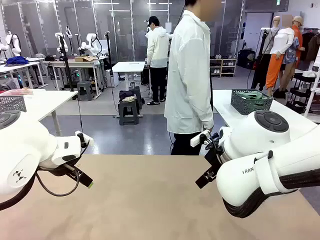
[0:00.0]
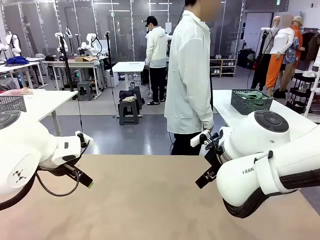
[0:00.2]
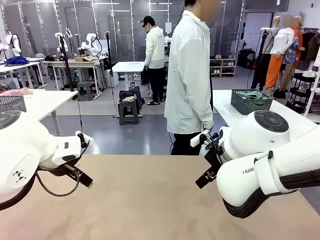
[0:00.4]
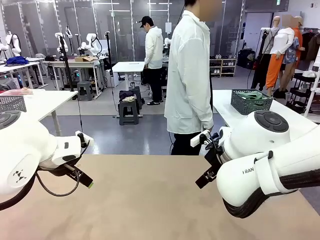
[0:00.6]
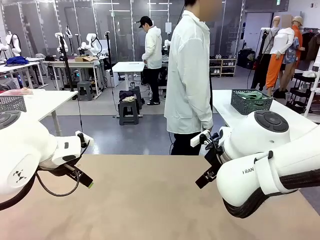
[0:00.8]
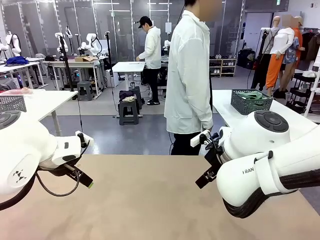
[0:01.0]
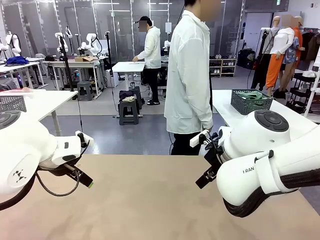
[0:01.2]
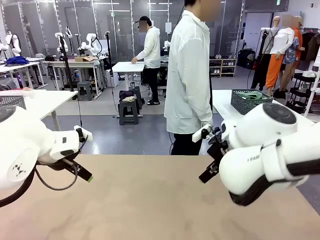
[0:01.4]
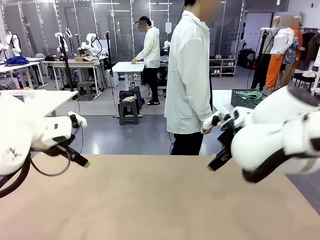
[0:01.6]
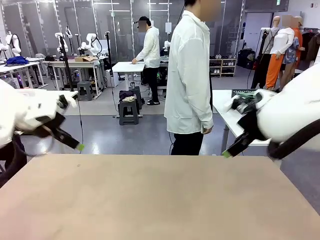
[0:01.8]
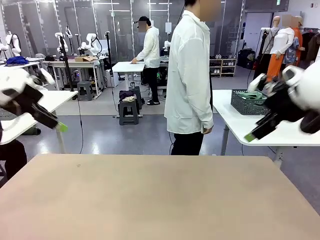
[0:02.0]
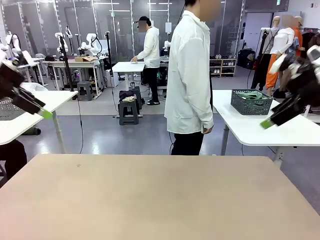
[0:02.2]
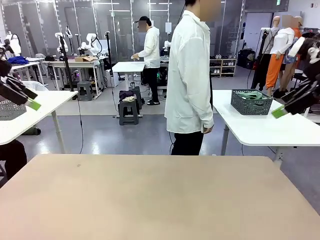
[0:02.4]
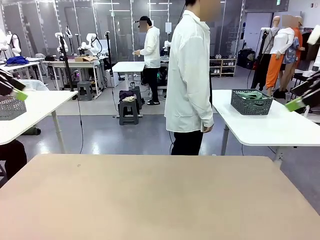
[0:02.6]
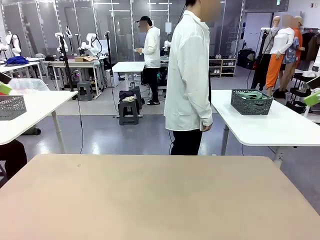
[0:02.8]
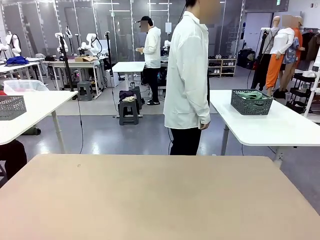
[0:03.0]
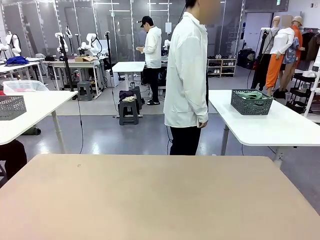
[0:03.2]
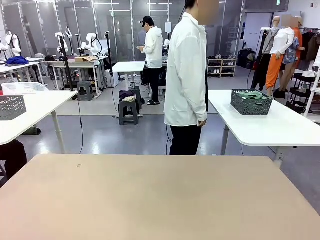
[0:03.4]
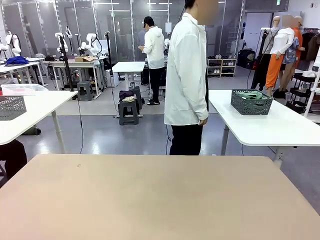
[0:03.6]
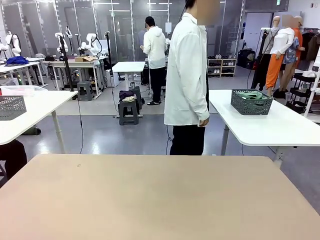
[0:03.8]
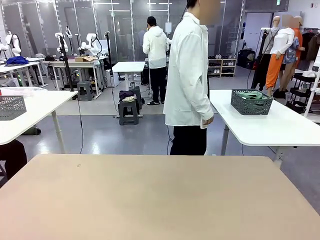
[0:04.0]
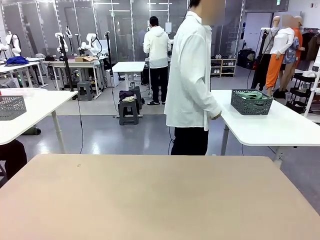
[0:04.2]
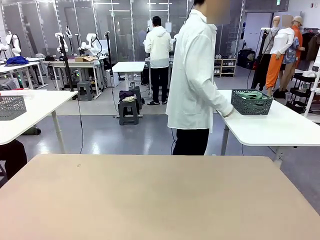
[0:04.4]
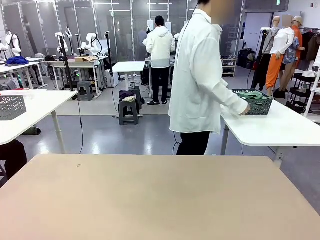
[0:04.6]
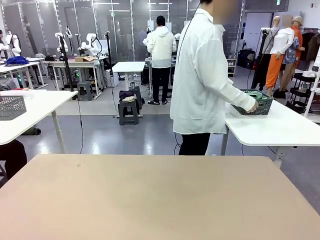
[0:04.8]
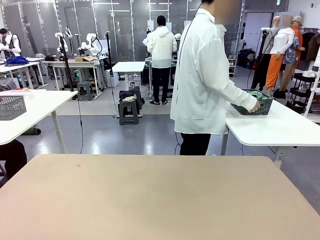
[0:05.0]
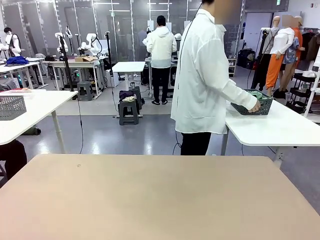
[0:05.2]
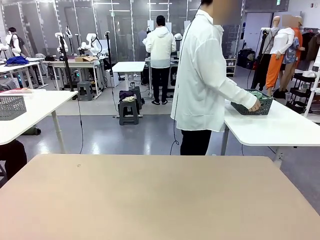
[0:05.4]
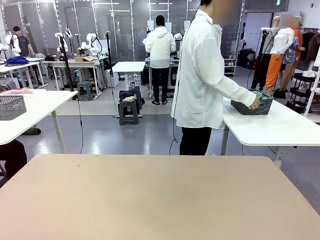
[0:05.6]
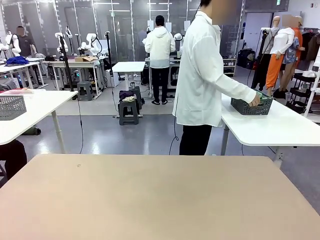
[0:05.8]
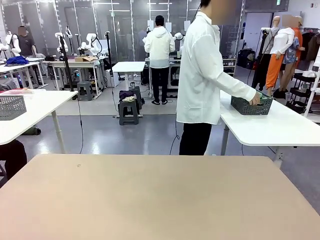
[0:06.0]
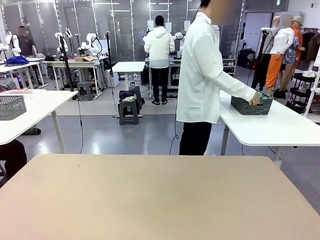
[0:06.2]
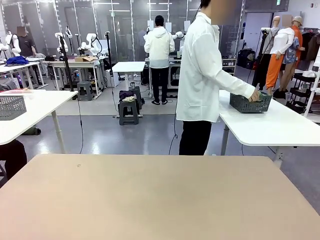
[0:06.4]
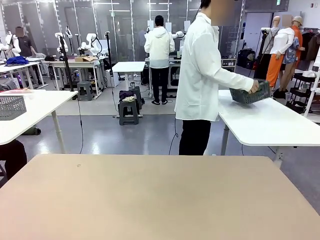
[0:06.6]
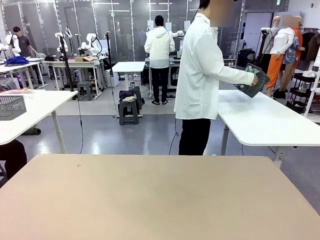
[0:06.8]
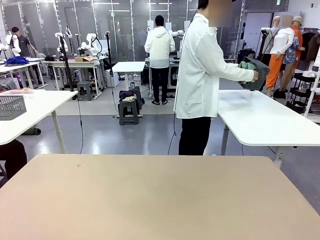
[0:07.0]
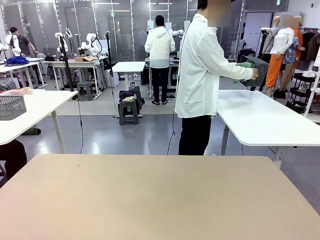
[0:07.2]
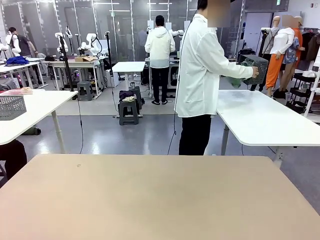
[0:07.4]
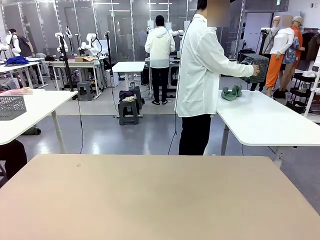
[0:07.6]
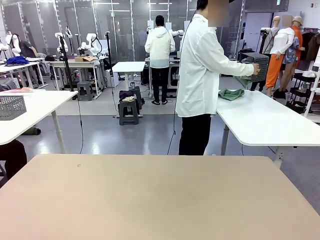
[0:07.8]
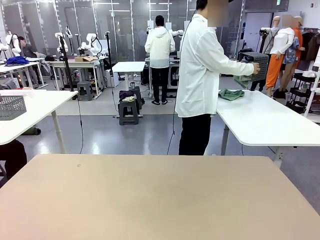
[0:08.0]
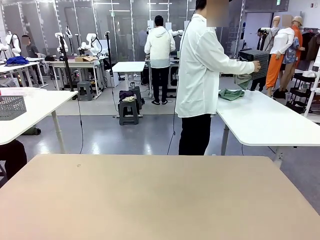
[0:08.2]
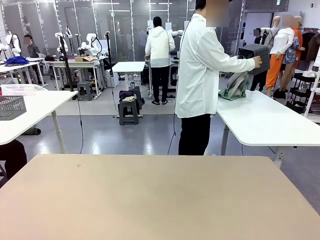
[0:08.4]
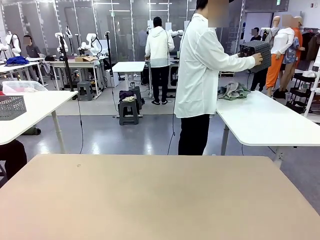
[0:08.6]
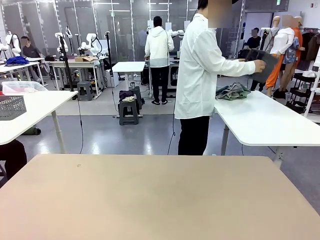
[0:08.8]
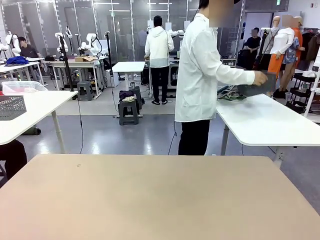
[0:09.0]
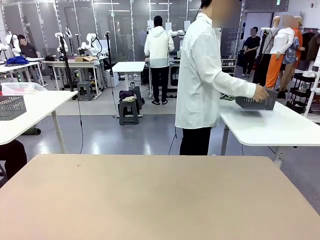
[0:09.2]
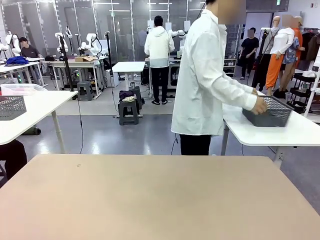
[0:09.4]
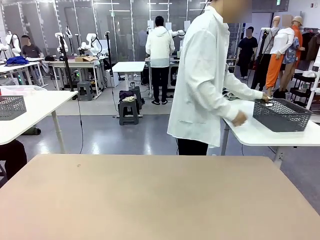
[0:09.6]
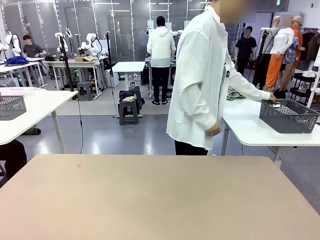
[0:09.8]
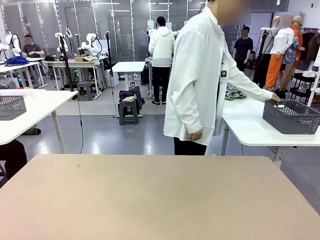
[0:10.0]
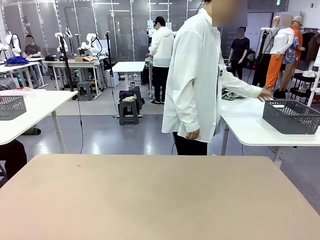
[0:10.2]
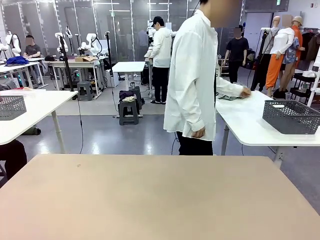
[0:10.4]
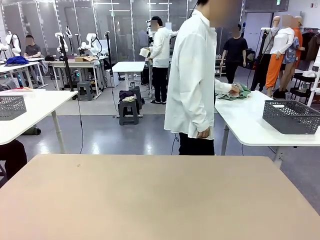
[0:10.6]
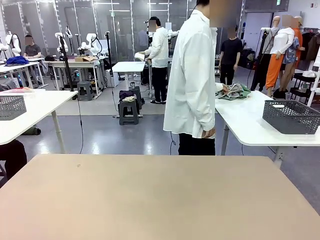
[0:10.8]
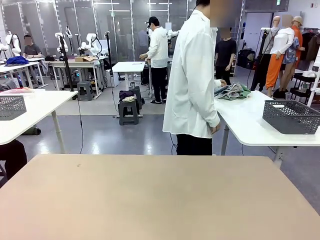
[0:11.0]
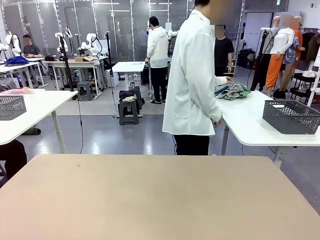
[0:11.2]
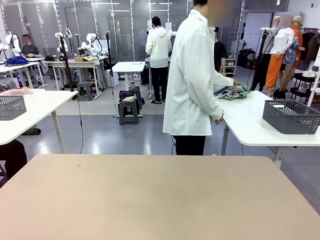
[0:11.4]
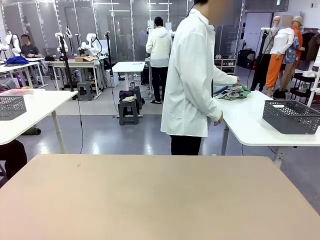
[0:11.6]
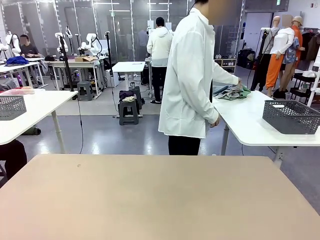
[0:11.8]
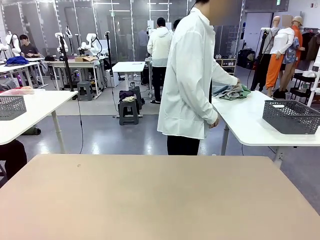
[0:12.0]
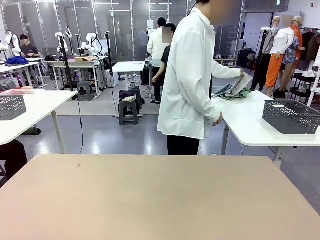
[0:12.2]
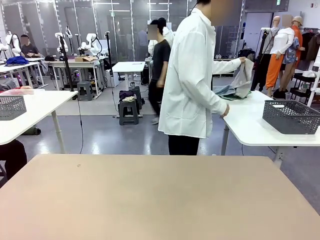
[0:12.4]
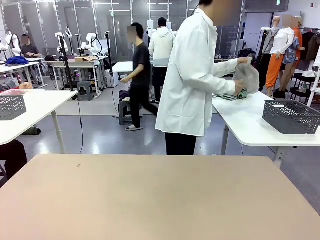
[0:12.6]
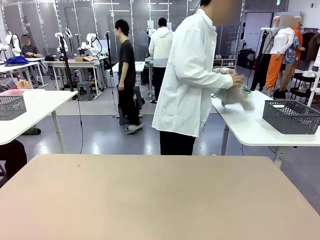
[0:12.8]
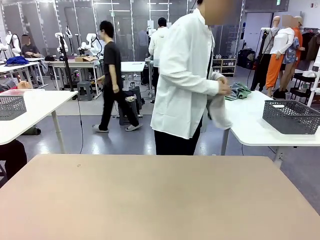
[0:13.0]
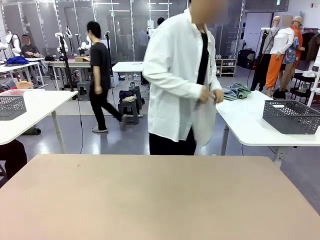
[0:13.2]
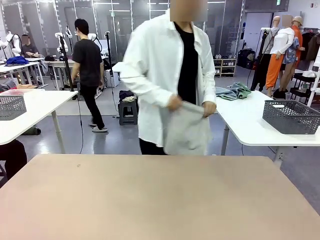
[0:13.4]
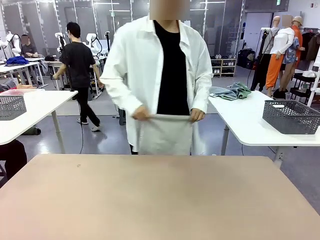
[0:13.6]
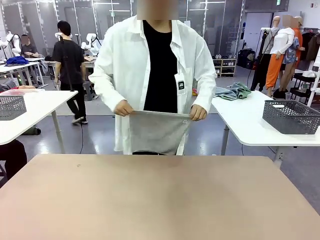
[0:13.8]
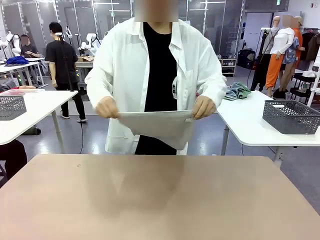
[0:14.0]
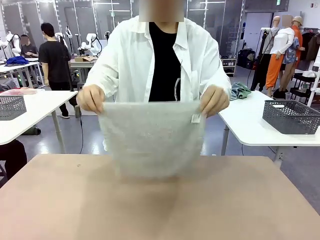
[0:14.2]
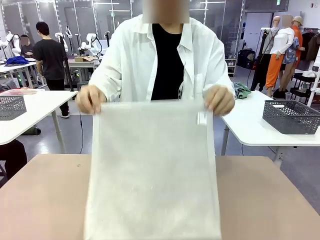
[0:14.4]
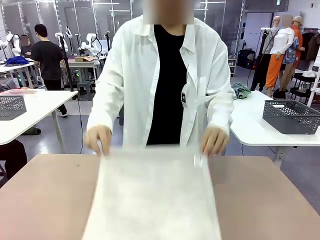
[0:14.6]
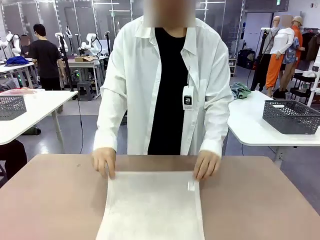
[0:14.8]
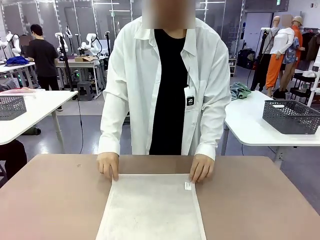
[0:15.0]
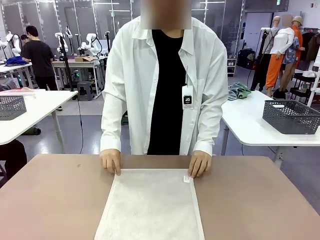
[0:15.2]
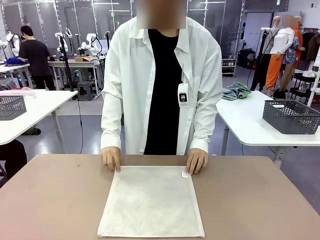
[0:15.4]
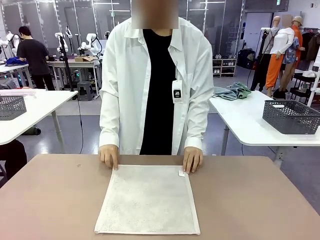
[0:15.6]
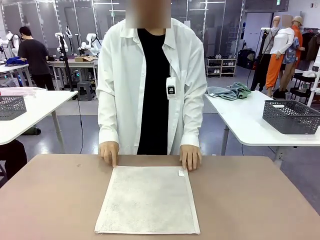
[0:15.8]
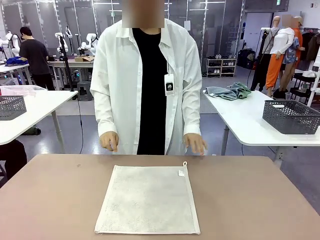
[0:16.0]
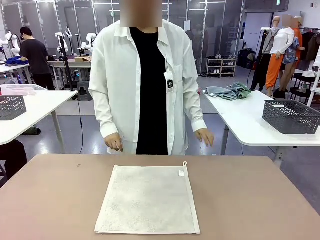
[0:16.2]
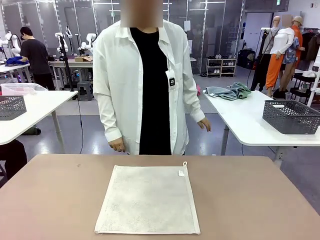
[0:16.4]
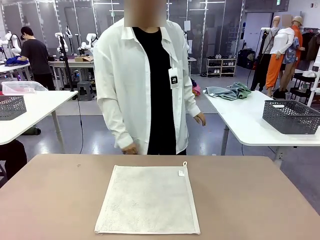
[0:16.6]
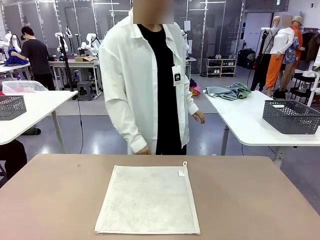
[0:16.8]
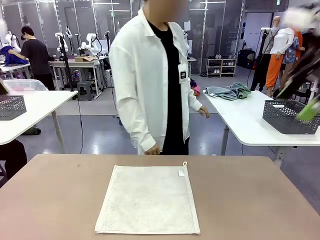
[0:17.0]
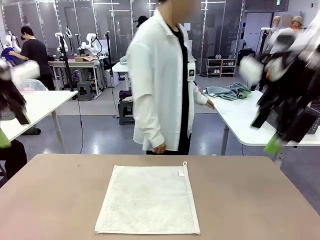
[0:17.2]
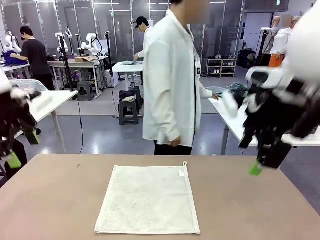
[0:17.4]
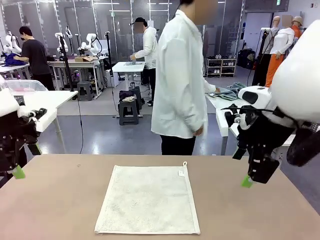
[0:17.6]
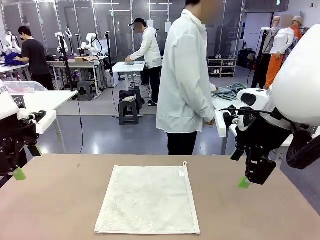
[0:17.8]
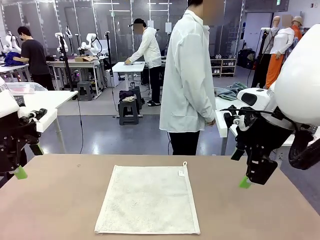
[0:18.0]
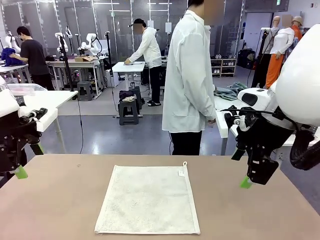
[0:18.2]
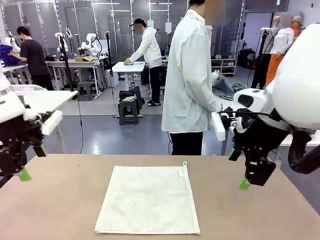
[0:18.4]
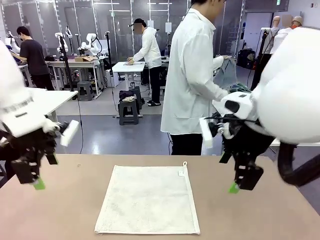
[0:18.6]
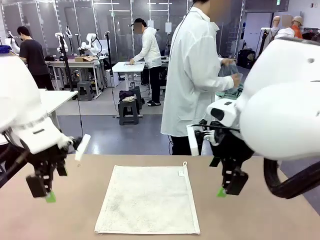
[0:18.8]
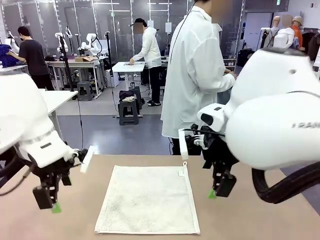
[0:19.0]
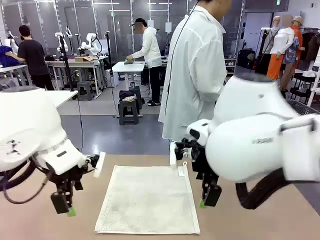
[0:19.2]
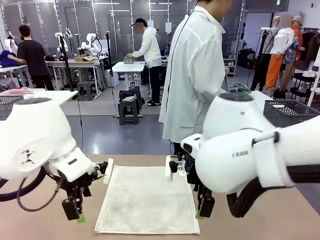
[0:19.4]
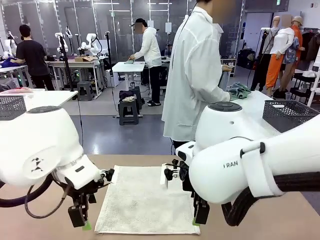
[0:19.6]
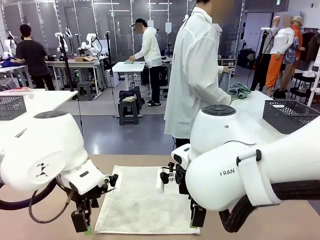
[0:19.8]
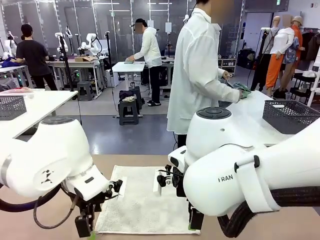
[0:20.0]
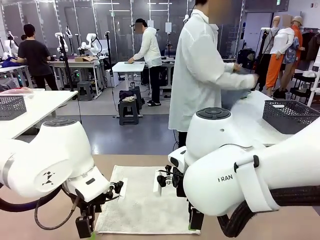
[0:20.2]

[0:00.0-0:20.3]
Task: Fold the towels and place them in the basket.
Robot: When a person lays out a Towel with hook on the table, fold it in half twice.
Person: Pick up the basket, pour the towels onto the left side of the human table, and place the basket on the right side. Pick up one towel and spread it out at the center of the robot table.
